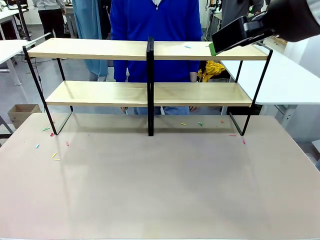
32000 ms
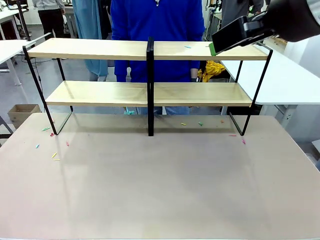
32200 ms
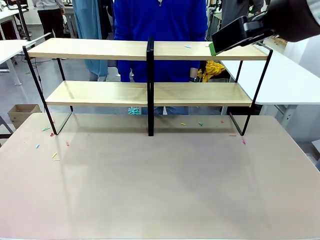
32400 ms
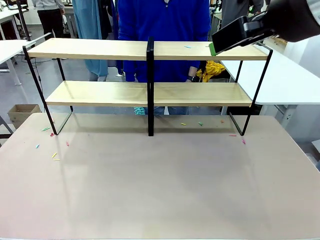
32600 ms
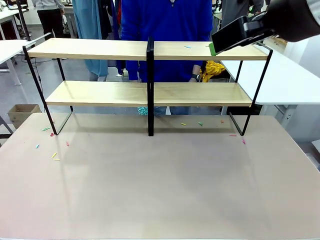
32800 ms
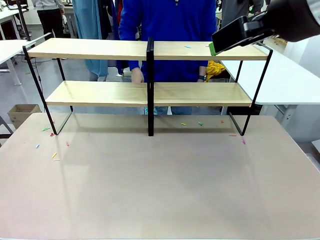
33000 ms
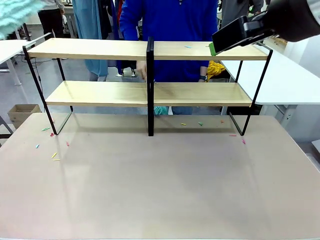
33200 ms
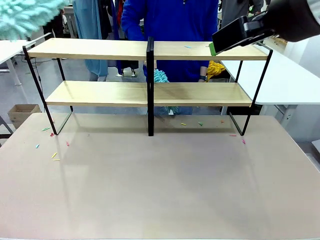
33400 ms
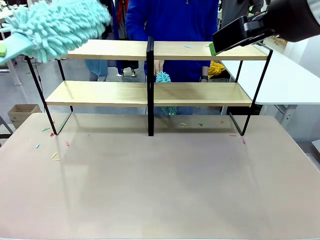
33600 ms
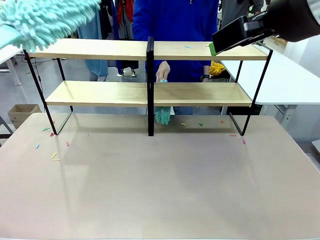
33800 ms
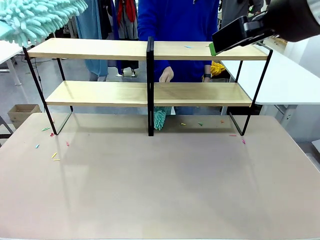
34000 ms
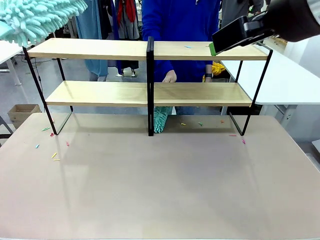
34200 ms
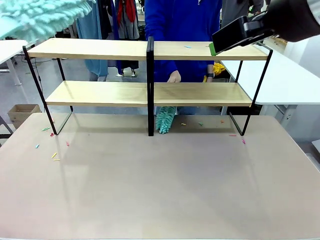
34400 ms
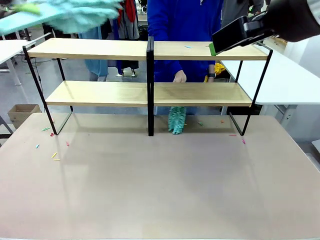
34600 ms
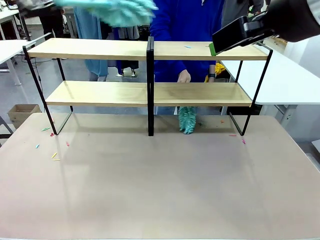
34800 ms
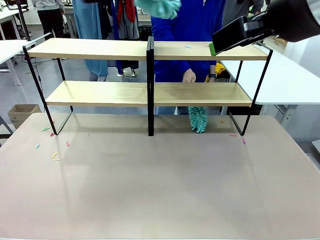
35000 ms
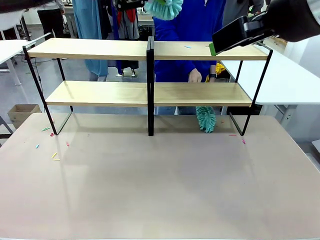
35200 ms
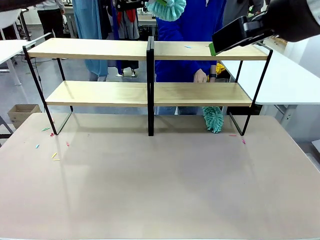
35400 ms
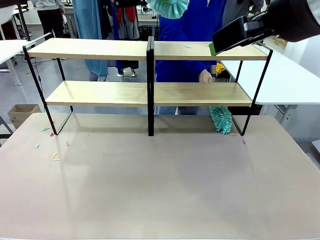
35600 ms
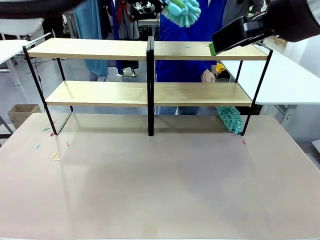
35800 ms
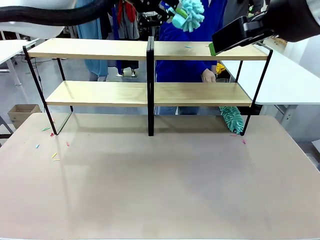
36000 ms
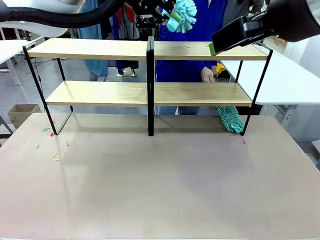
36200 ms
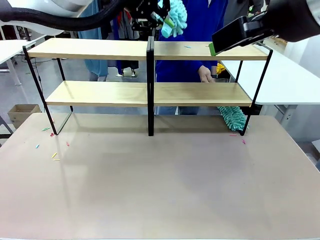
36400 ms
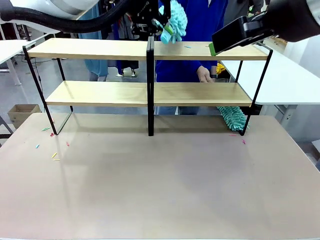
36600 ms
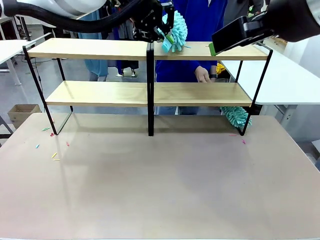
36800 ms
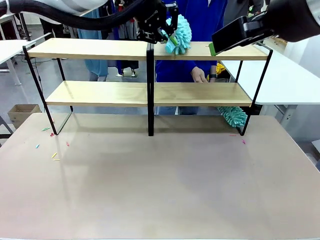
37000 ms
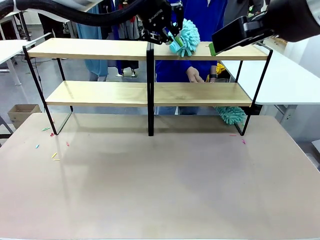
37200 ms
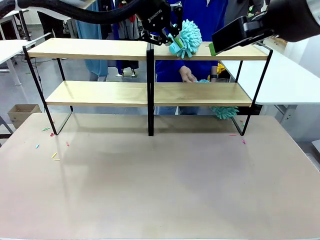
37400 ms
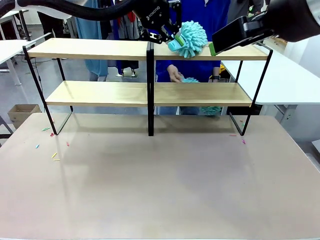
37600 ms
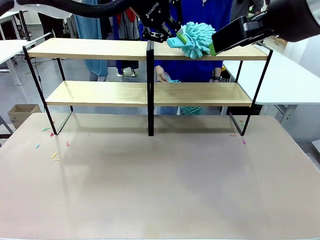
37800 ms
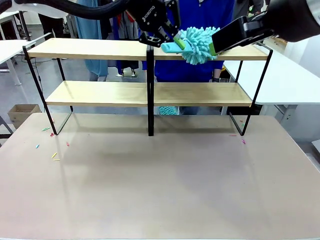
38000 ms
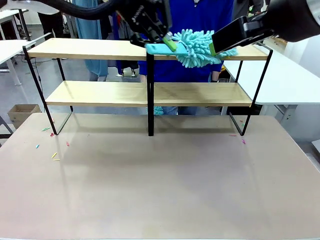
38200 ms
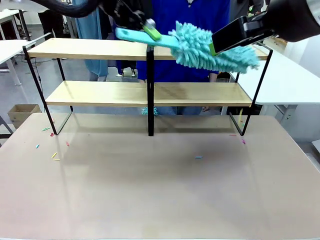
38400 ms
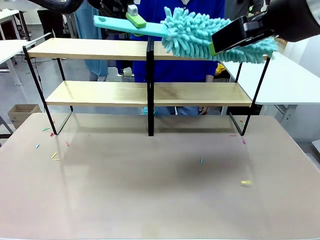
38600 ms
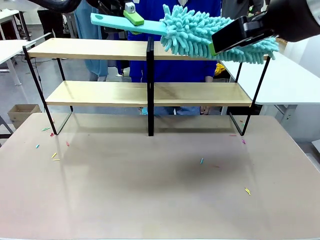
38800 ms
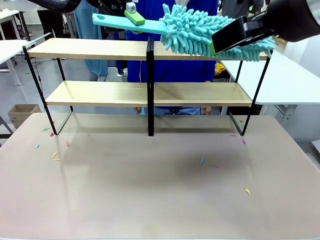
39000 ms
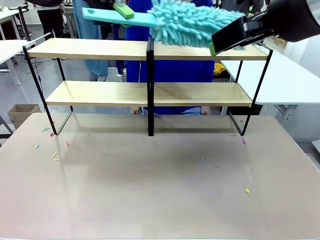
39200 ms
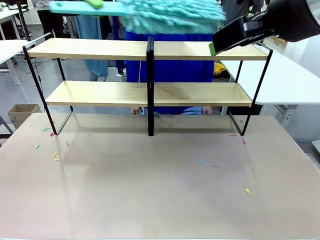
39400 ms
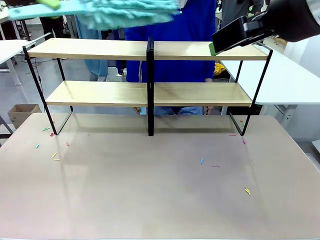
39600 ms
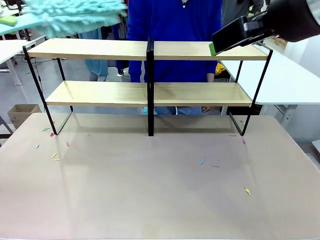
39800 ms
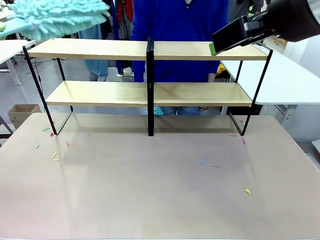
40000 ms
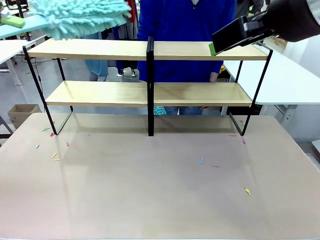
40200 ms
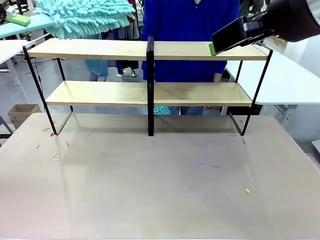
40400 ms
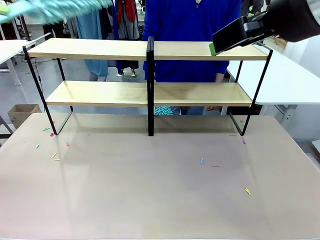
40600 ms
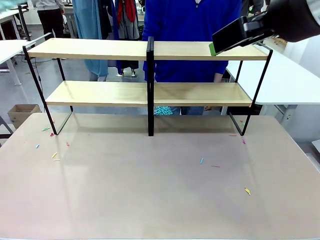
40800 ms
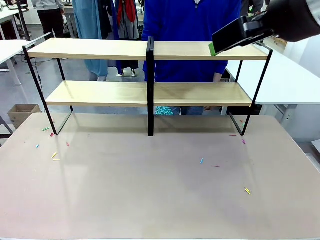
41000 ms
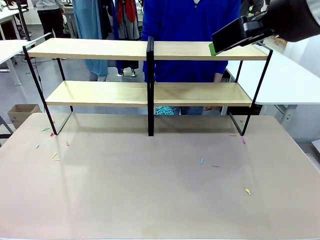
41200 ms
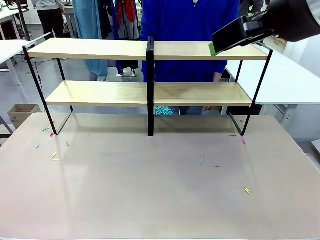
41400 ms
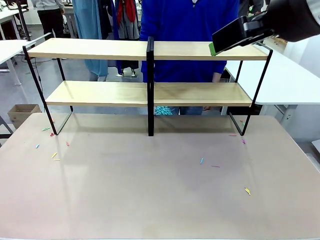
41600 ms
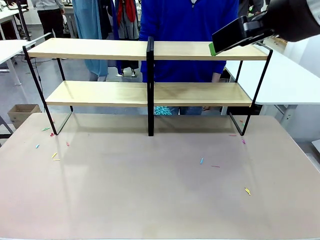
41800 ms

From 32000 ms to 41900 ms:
Task: Clean the shelves.
Robot: Clean another randomly selected level of the Shelf with the Duster.

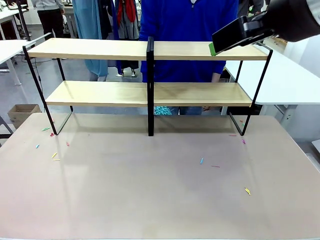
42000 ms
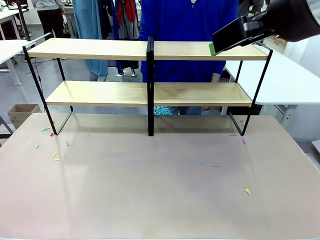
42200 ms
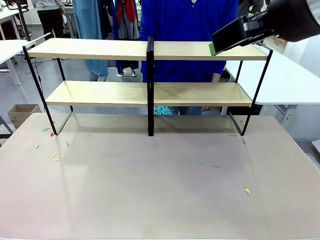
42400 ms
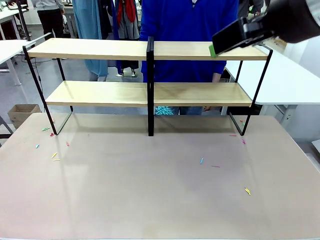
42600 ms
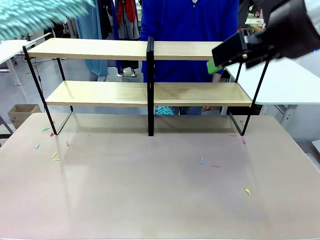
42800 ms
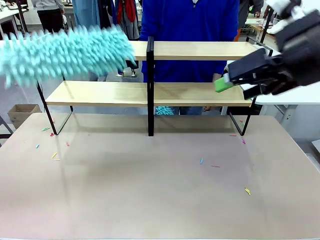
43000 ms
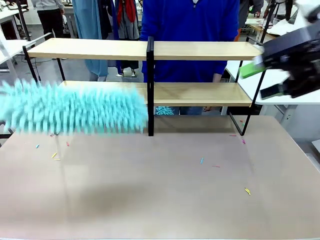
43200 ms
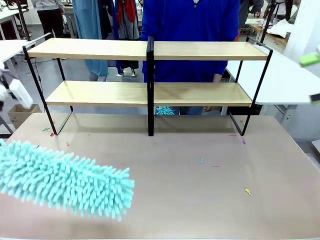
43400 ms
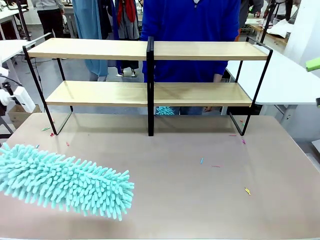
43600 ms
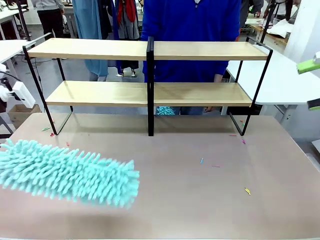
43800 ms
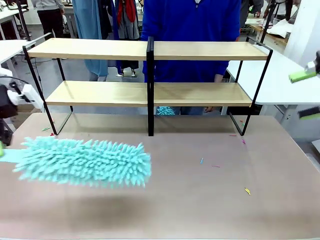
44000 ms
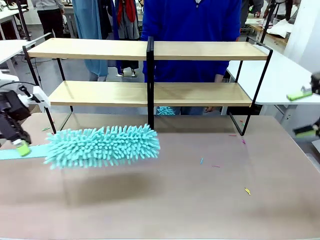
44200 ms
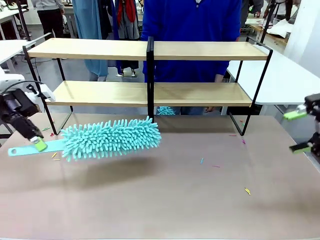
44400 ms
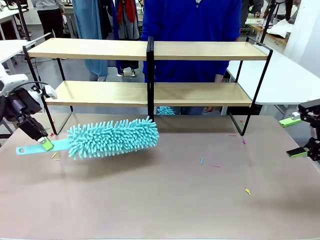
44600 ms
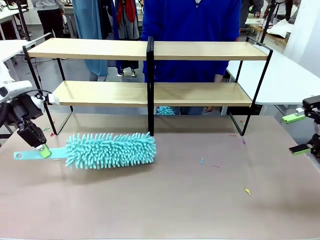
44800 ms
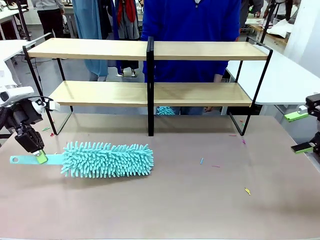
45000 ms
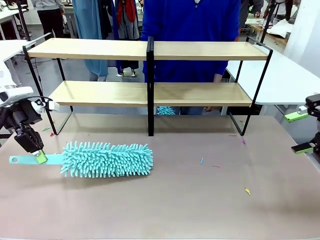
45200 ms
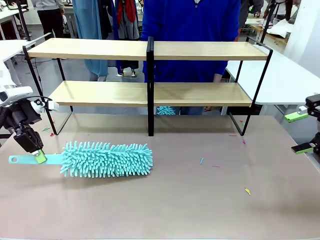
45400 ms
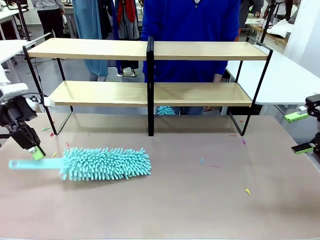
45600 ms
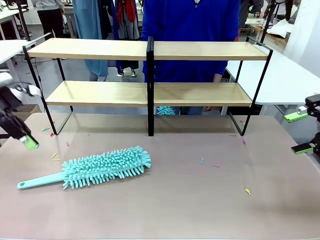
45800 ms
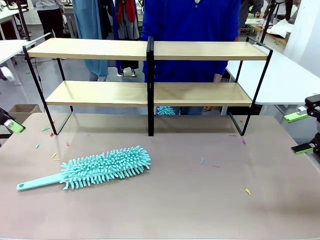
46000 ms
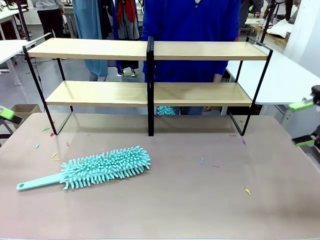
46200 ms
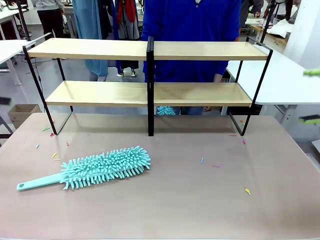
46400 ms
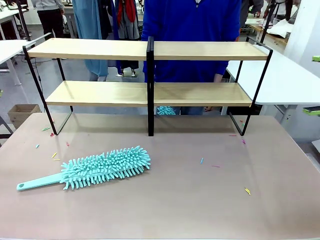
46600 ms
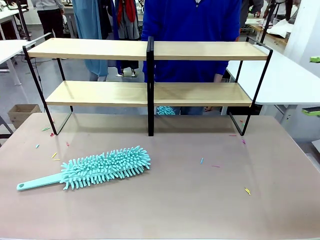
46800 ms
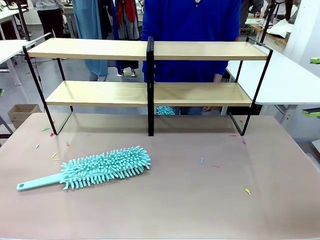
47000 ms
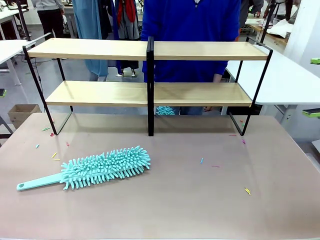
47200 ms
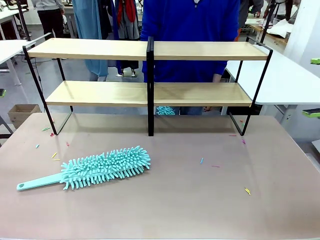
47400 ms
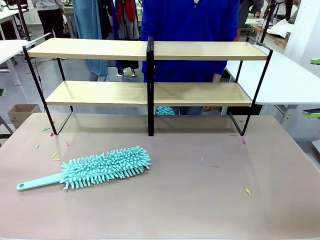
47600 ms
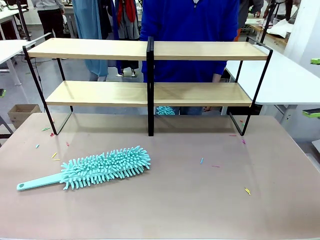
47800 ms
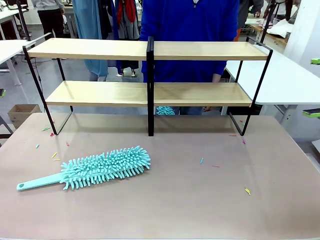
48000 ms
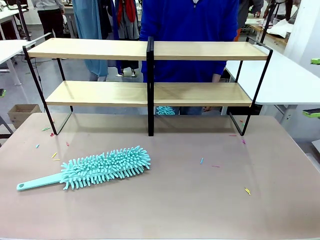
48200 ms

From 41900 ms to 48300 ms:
Robot: Place the Duster on the table.
